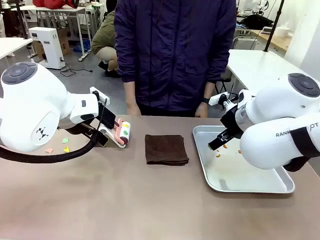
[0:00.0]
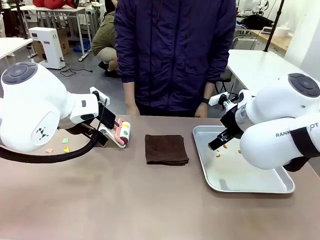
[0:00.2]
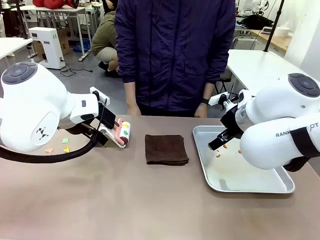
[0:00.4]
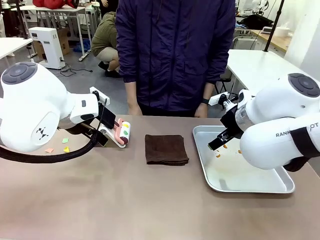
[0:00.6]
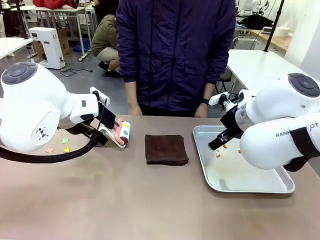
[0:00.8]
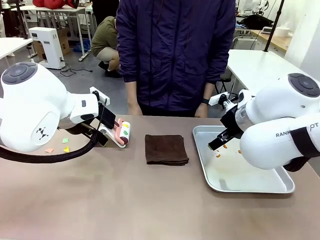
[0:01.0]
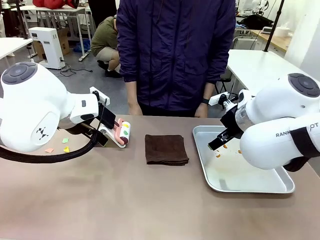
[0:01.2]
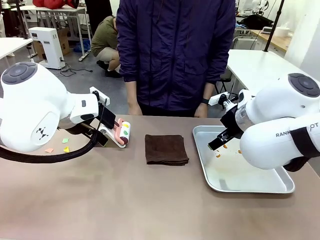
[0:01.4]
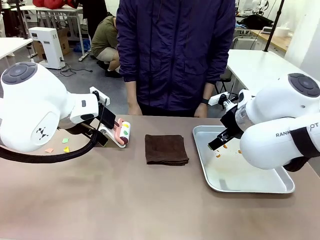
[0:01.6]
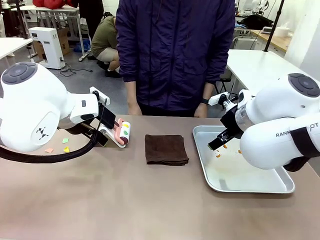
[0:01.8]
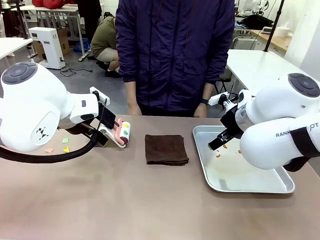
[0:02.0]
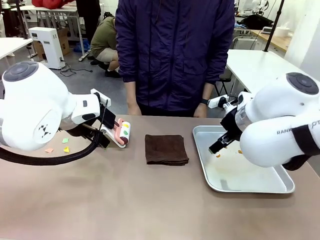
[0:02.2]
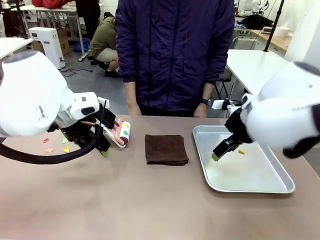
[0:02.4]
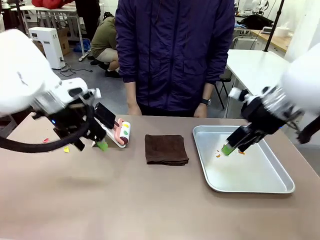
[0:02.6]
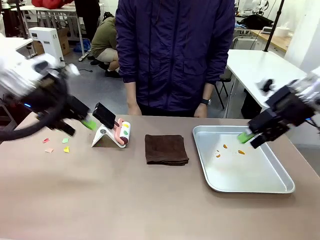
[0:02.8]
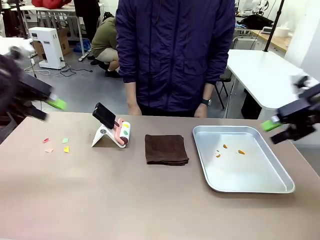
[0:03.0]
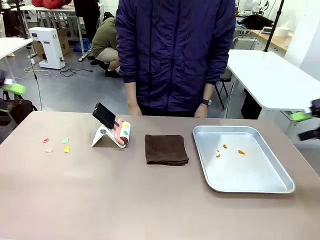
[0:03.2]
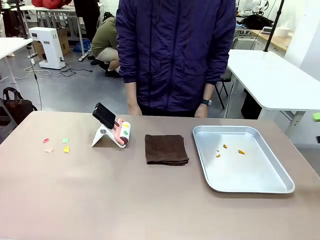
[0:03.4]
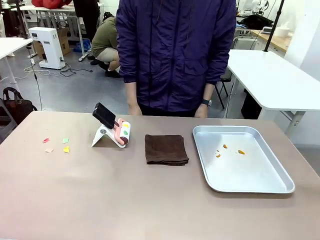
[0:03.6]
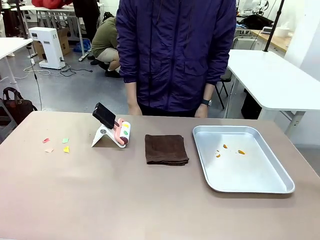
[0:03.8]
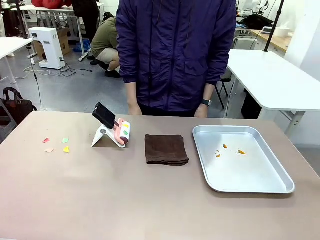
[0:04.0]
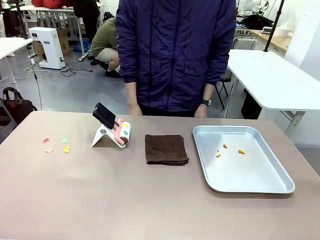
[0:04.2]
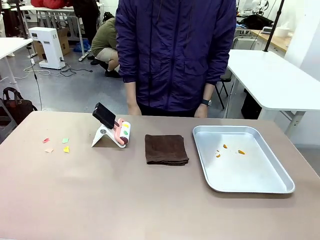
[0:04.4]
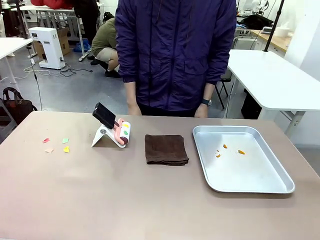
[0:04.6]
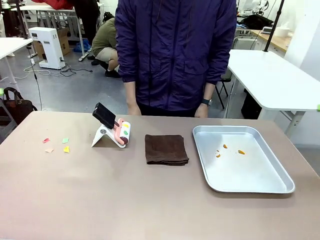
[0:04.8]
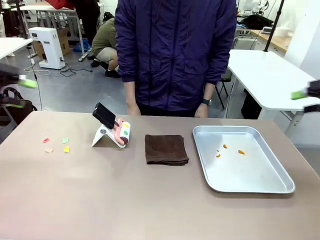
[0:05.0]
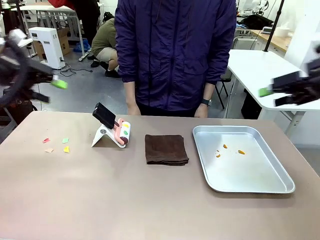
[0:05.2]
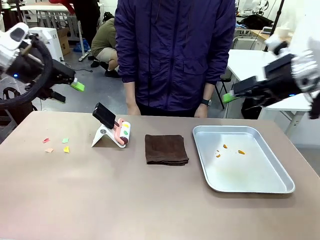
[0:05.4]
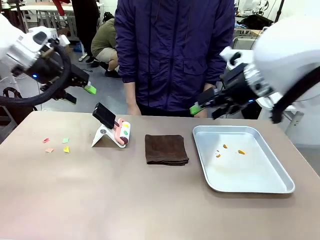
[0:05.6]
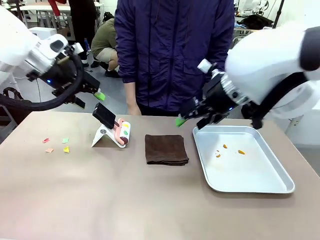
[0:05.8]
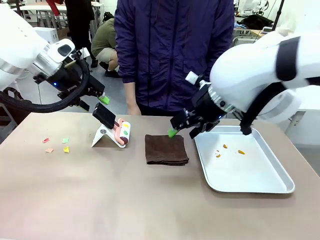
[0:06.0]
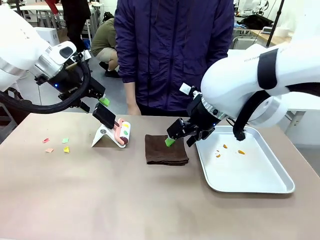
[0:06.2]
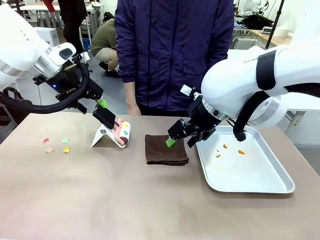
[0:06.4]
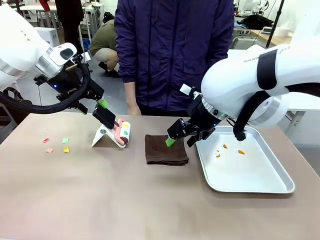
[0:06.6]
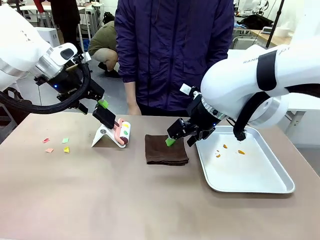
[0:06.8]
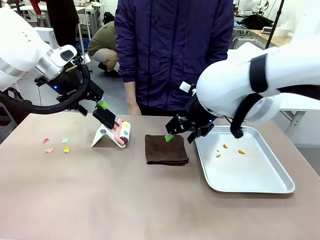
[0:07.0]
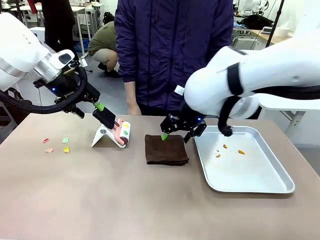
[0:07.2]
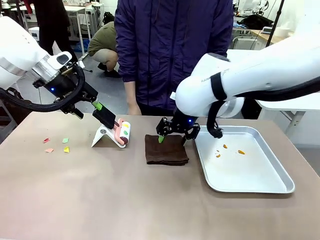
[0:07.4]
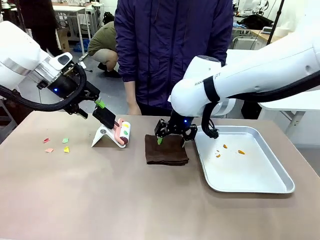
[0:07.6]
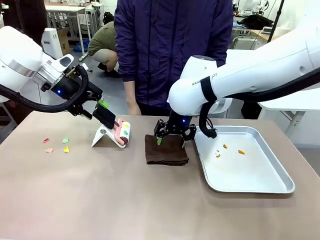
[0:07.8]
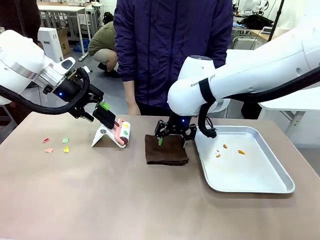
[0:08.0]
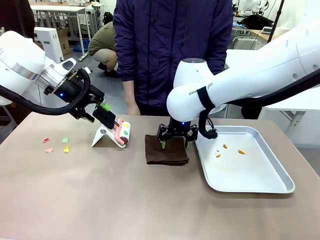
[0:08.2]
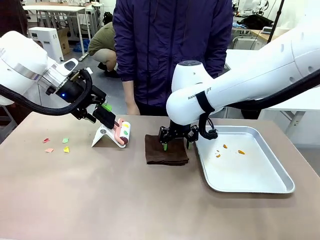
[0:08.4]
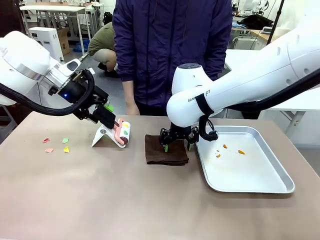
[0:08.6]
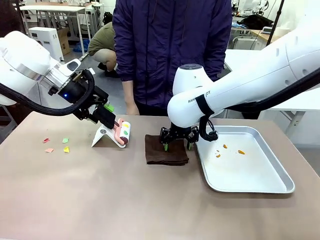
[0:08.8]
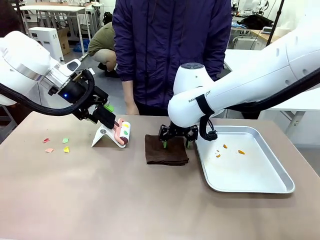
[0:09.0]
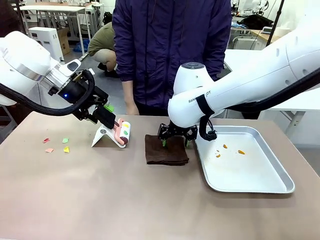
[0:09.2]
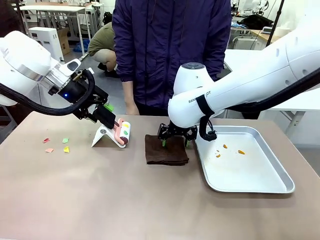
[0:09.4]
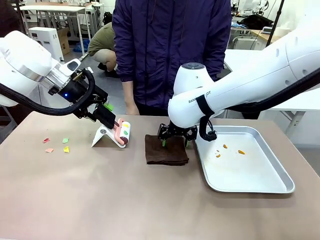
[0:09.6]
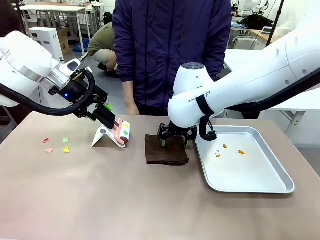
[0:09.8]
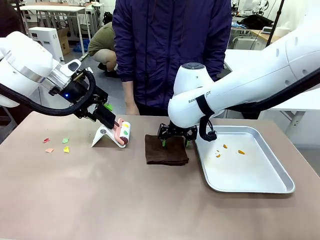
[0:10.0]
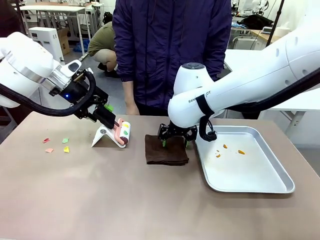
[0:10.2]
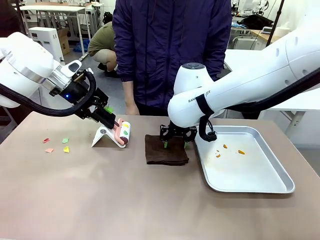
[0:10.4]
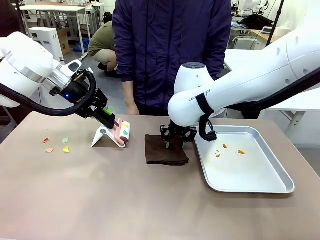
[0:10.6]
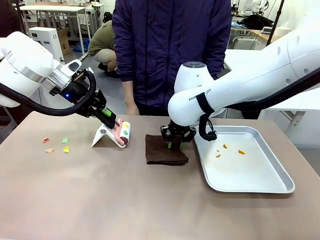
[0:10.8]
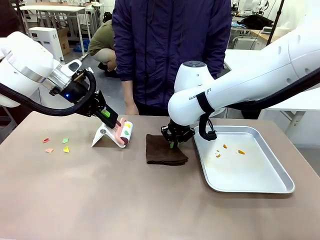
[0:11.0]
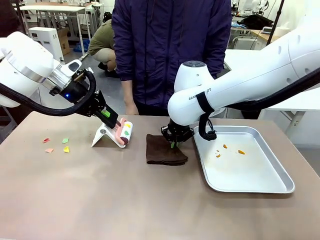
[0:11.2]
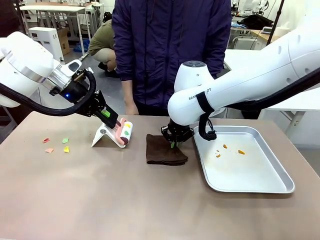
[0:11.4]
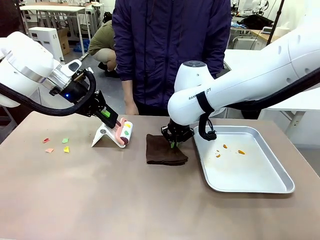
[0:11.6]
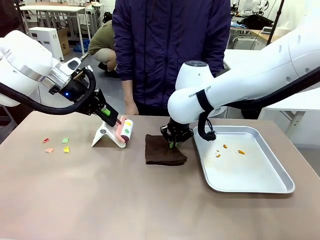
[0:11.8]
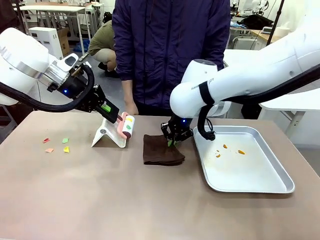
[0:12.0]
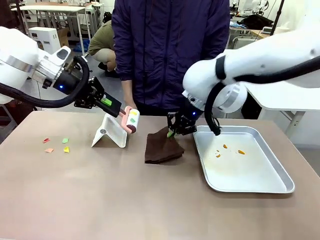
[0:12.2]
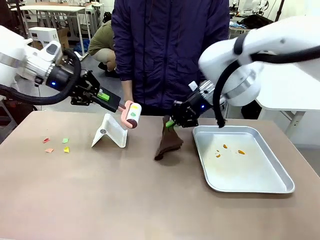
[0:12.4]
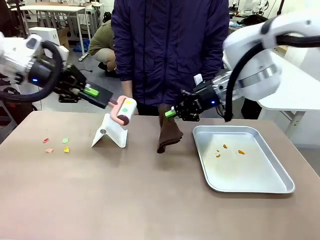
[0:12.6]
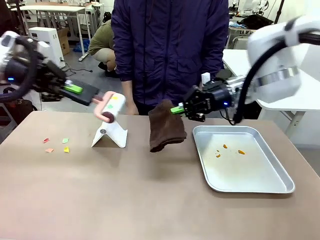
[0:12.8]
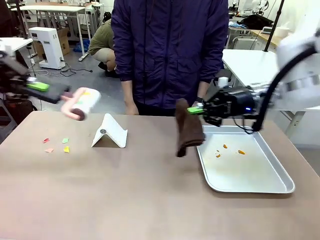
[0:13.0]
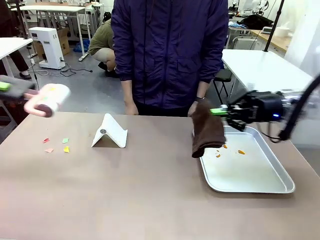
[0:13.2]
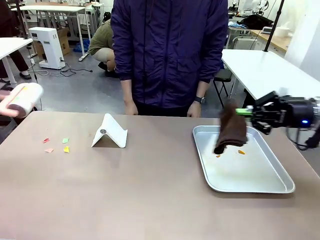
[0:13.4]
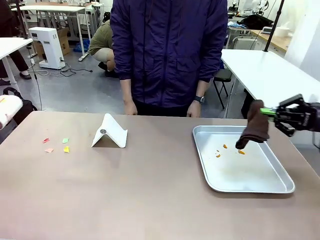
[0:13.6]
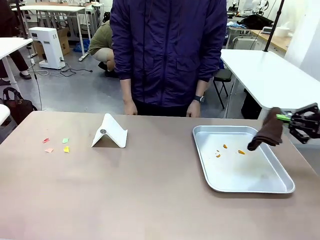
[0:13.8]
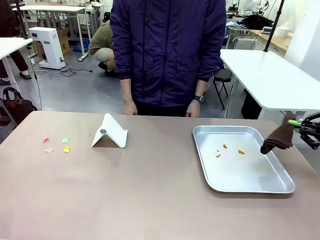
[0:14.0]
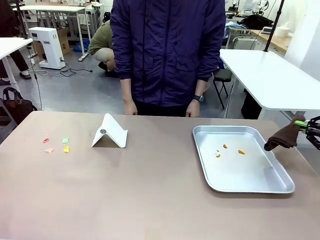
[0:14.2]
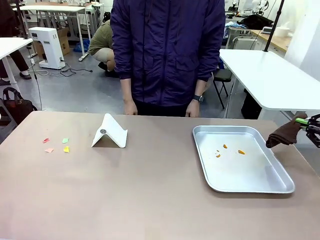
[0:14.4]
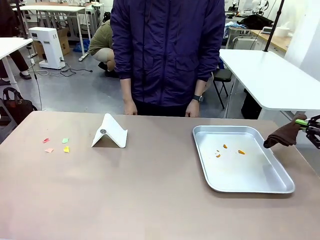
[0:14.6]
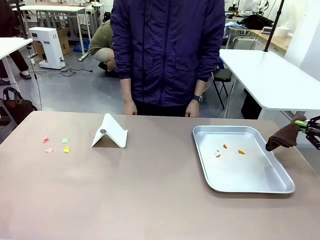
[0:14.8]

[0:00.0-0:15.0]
Task: Clean the surface of the table.
Robot: Hold the Lint Roller with your left hand and the towel with your right hand.

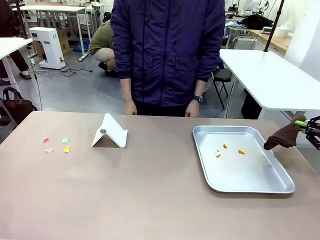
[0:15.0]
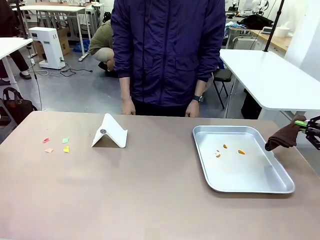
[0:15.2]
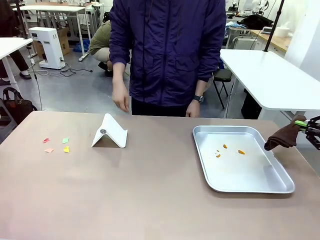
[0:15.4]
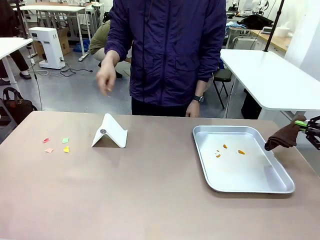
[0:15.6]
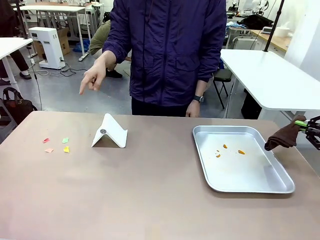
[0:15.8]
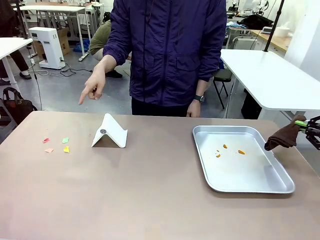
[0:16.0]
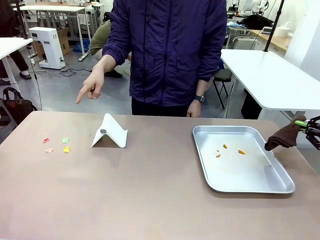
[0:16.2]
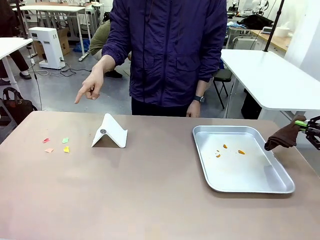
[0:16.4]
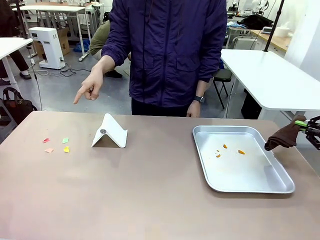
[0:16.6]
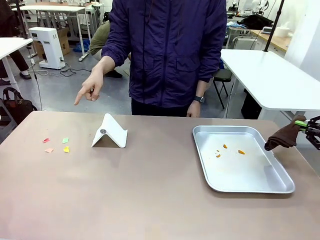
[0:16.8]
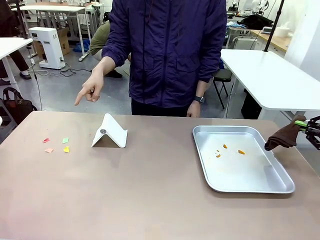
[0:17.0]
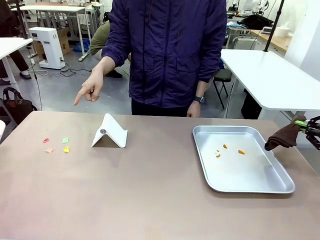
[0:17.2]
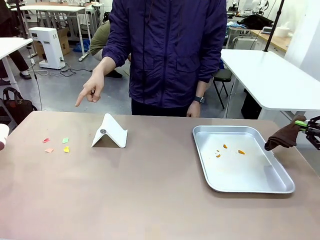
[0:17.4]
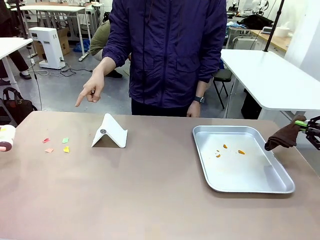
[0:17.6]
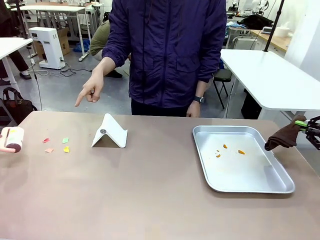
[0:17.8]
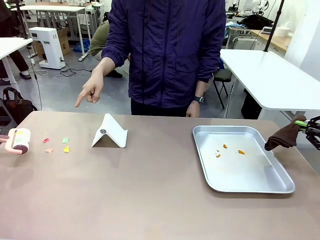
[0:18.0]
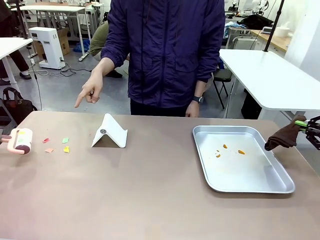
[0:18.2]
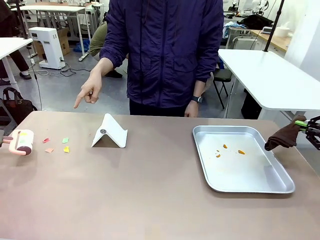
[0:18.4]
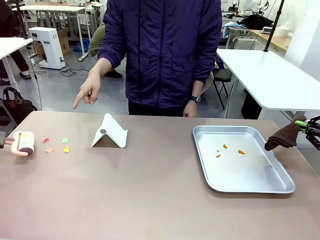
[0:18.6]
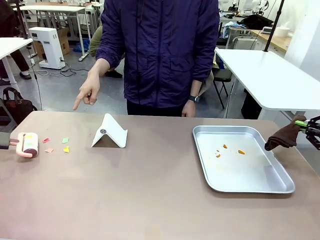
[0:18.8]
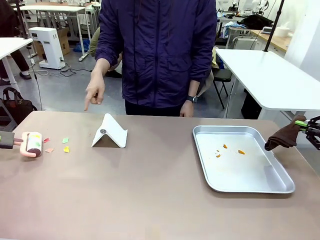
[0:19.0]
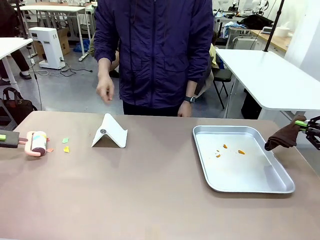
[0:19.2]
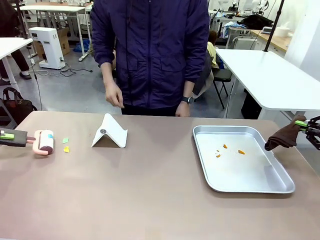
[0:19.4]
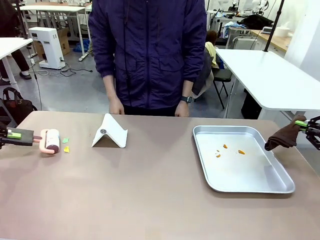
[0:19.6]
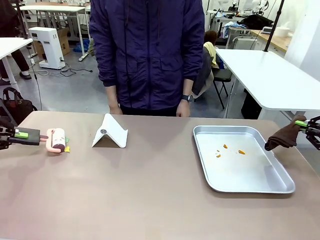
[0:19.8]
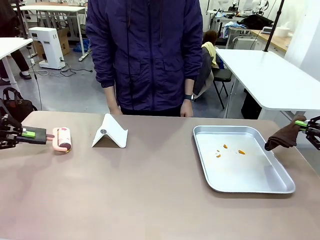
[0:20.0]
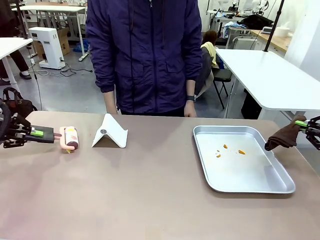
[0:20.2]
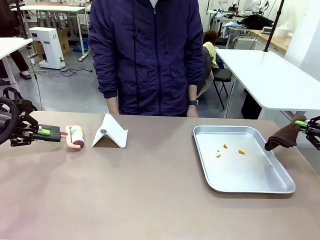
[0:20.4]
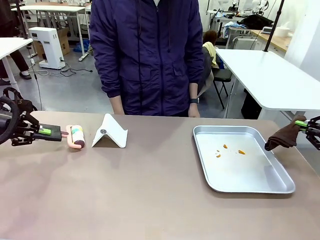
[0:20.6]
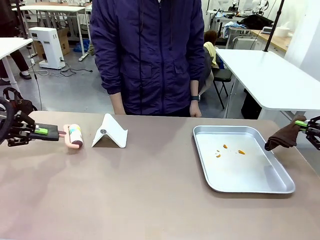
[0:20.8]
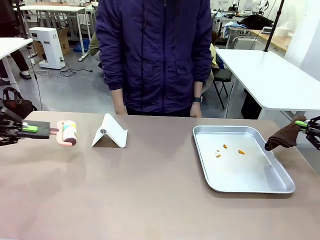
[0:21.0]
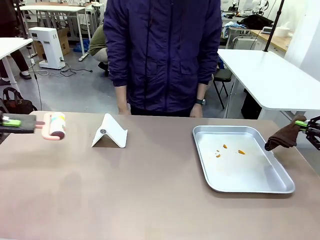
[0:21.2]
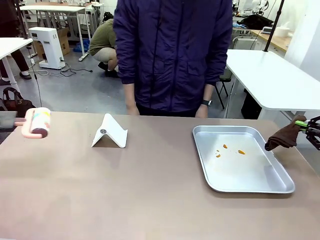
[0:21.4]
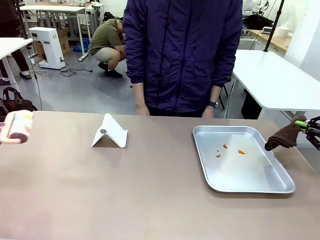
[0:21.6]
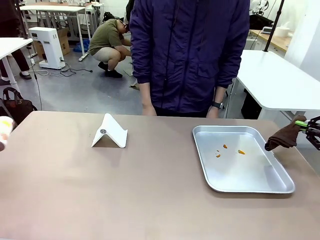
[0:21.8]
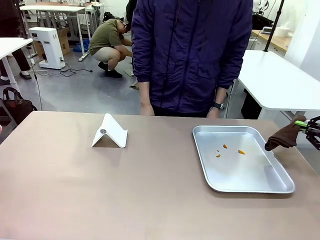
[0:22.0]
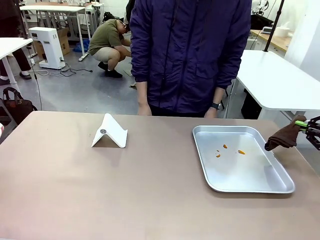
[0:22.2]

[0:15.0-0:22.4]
Robot: If a person points to the right, clean the right side of the table with your right hand, and if they point to the left, clean the left side with your left hand.
